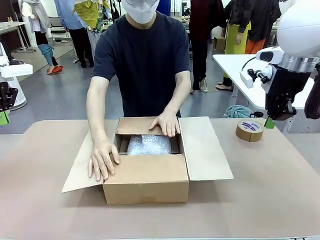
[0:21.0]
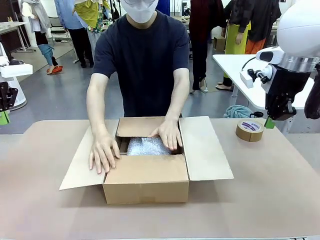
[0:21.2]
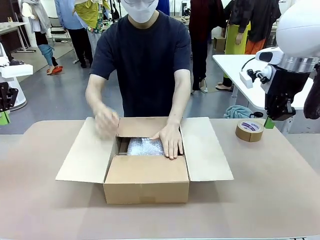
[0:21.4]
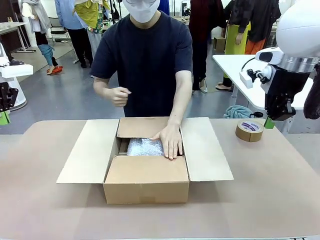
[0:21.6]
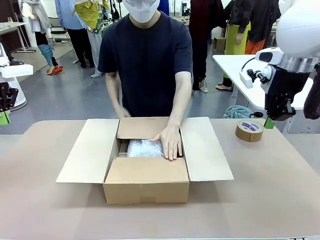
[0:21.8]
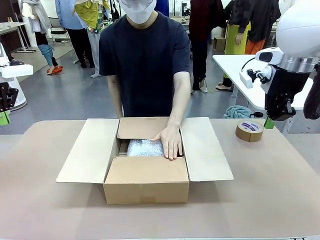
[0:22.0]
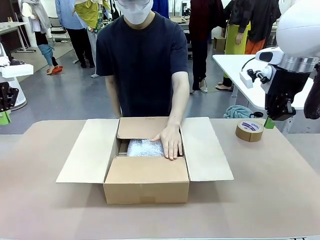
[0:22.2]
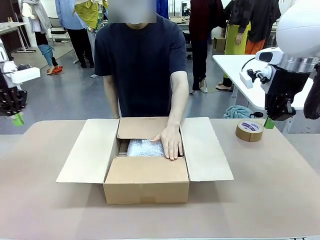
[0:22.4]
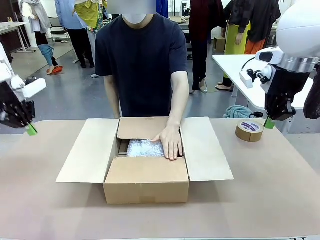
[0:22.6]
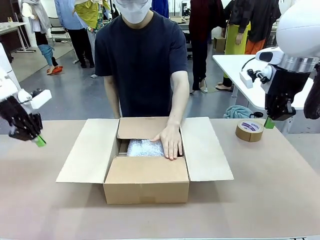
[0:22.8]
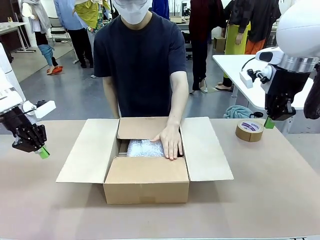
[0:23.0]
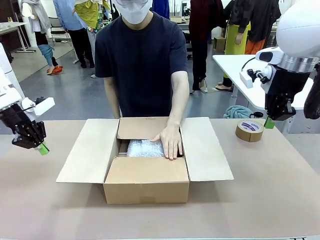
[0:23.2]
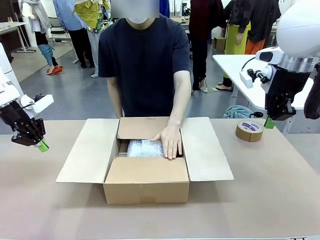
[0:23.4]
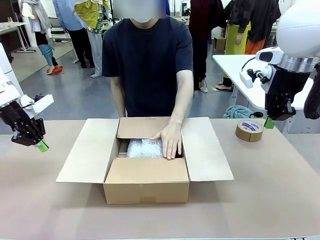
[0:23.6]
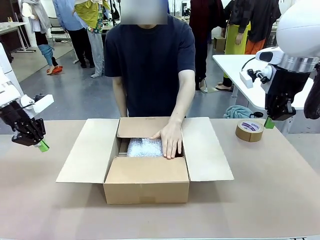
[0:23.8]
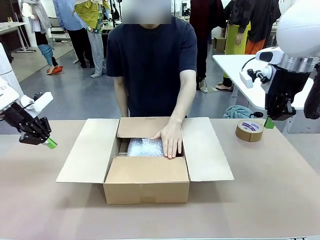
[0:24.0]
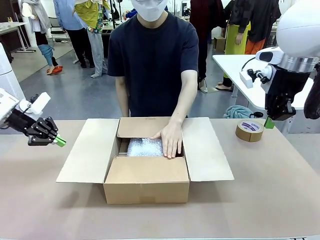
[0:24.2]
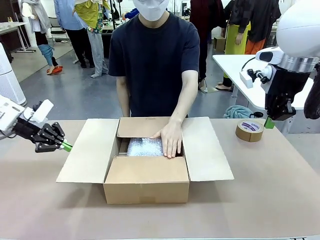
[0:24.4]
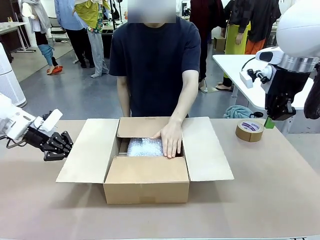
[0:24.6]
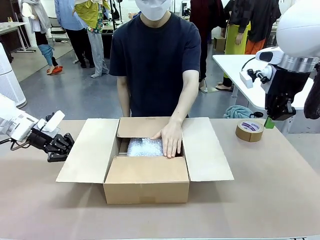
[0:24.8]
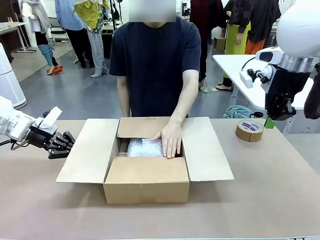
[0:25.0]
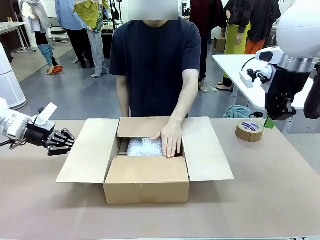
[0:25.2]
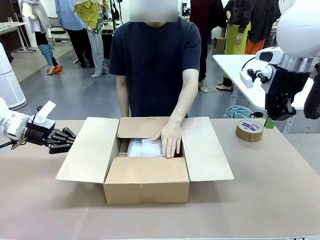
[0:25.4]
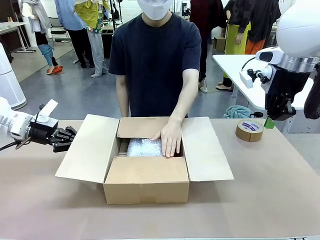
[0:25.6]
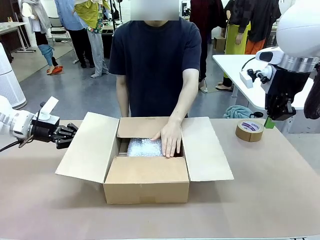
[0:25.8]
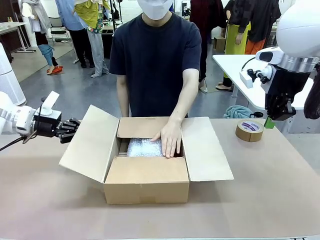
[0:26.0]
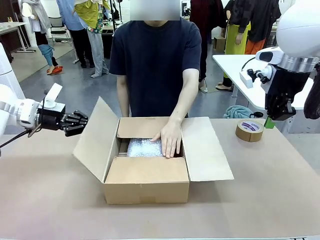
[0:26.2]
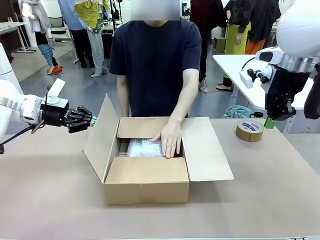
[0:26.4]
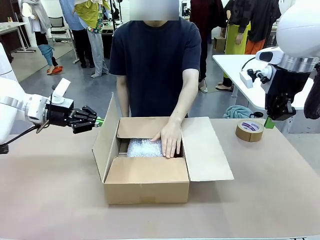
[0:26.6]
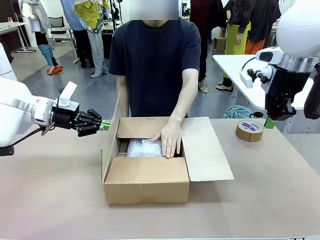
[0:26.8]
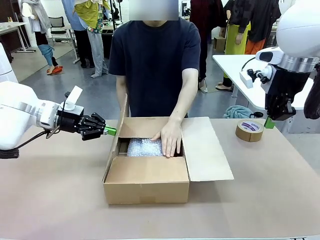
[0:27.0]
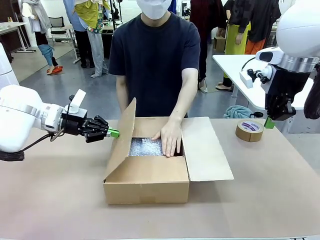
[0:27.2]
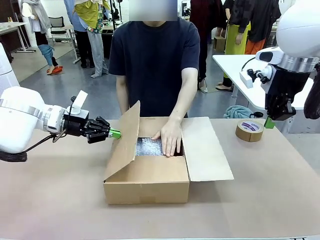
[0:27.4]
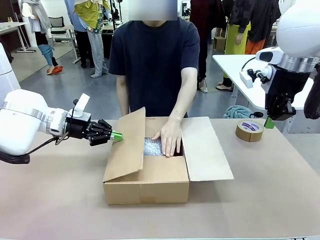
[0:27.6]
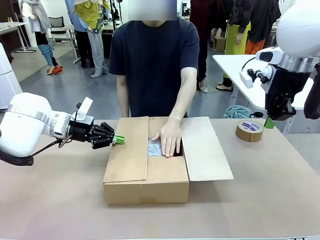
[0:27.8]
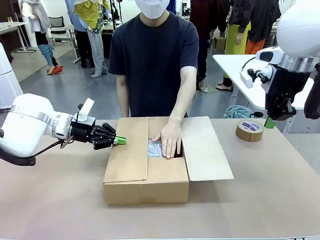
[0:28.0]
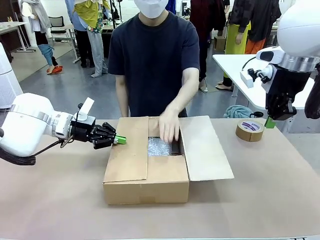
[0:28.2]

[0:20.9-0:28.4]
Task: Wrap the clocks to prevent damage.
Robot: Push the right (or left) flap of the Package Box to close it.
Person: Once the robot closes the right flap of the Package Box , release your left hand from the box.

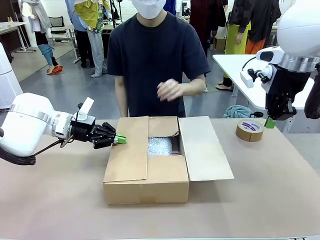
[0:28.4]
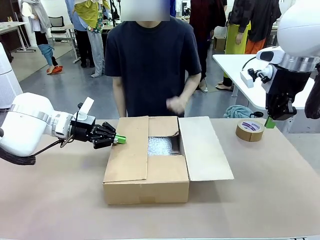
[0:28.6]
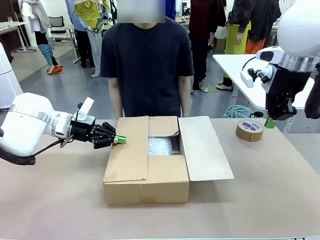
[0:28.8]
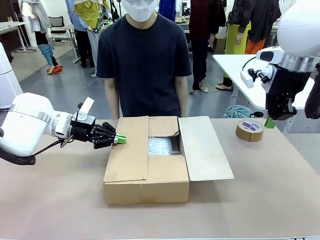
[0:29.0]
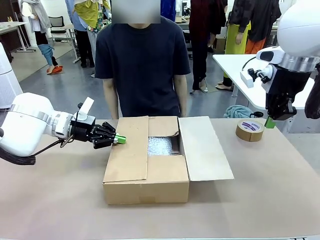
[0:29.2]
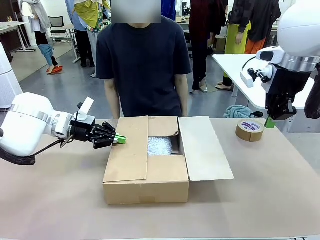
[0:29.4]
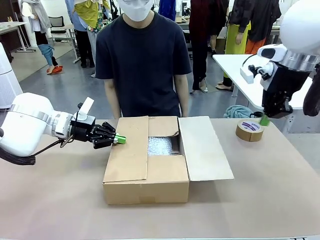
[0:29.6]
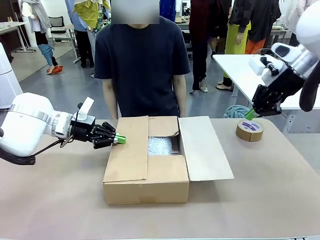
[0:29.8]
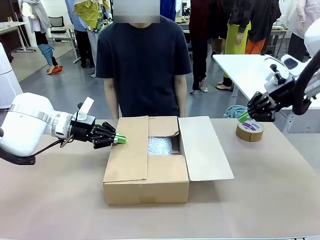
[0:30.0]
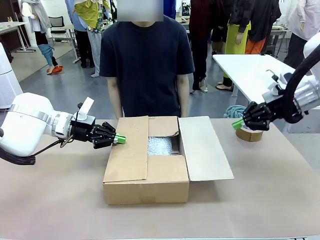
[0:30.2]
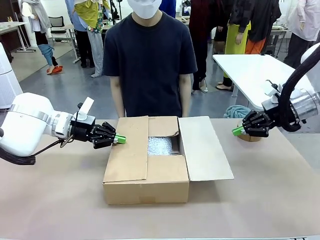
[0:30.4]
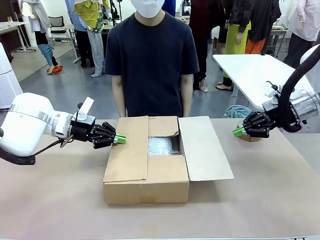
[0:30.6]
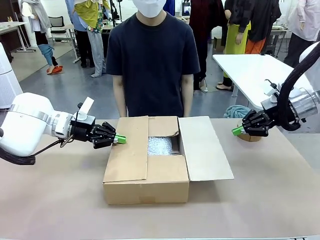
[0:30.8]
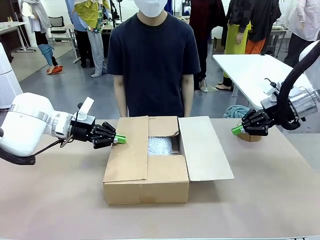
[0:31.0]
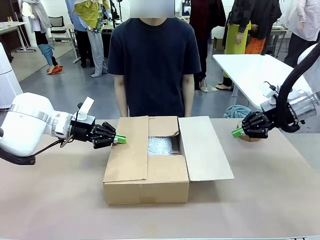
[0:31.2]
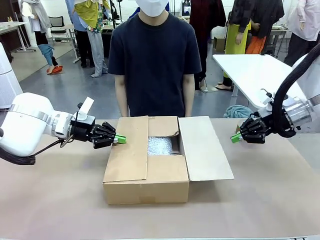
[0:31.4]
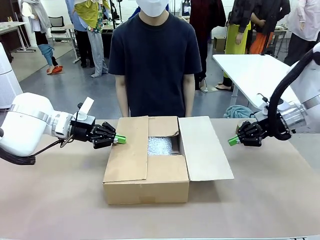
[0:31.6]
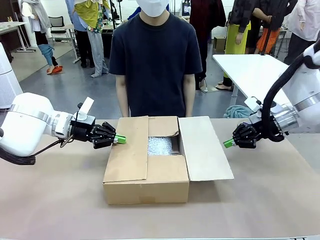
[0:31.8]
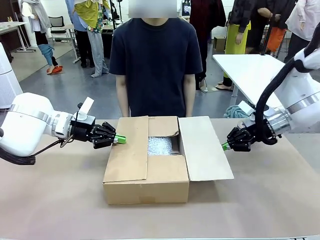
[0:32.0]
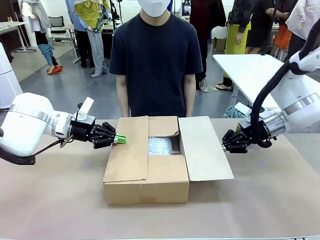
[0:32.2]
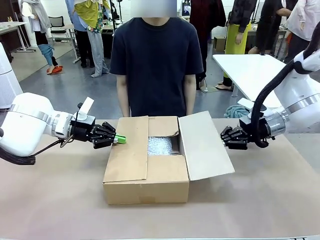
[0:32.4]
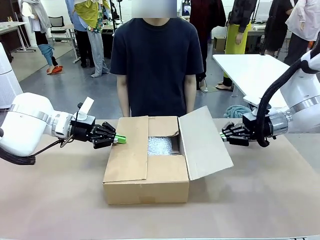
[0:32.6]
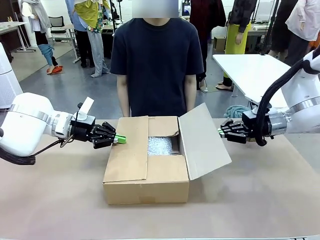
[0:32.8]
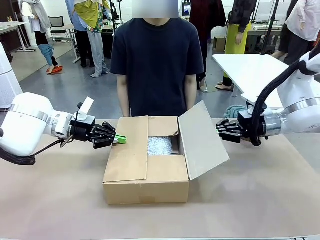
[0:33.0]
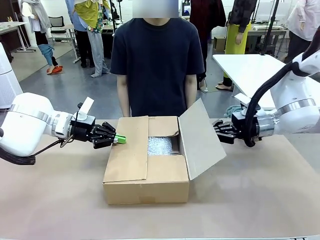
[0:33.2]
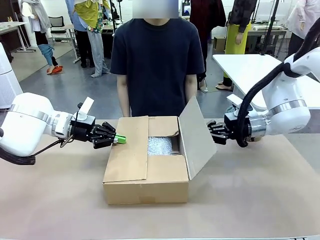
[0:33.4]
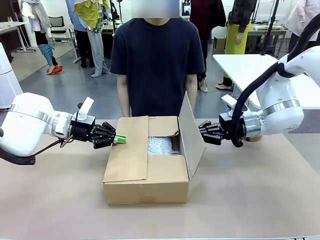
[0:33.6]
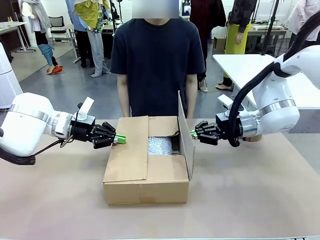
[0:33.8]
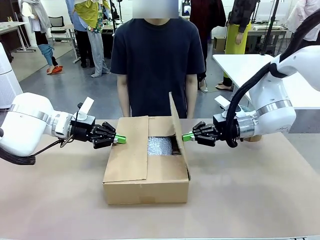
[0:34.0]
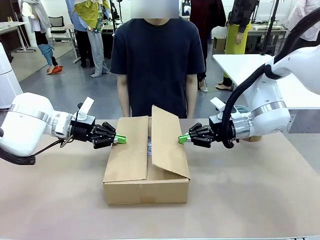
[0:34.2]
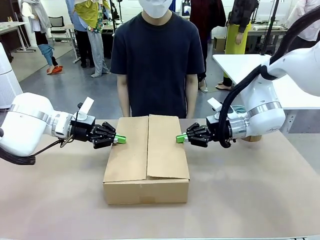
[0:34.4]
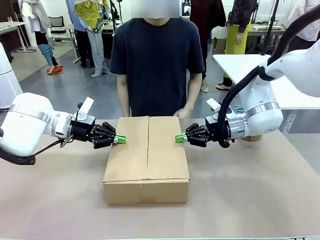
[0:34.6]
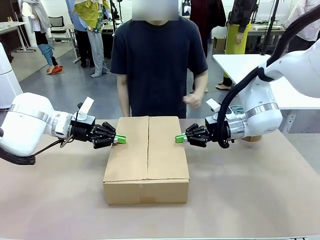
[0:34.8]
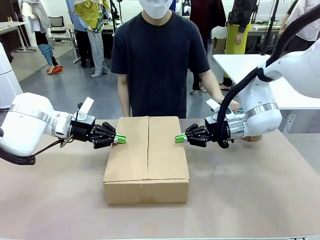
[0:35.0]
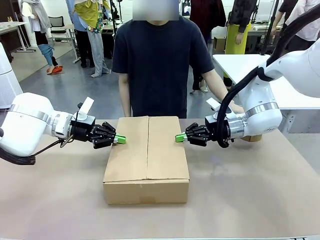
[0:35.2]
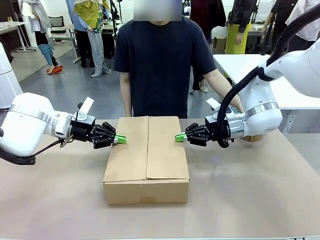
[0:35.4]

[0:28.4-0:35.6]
Robot: Push the left (or right) flap of the Package Box to close it.

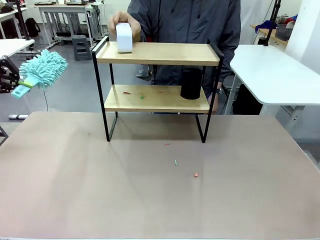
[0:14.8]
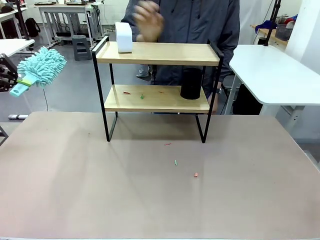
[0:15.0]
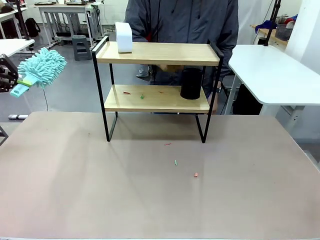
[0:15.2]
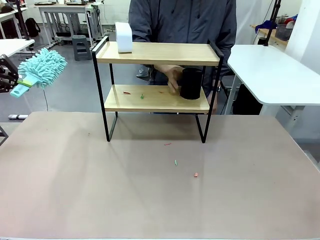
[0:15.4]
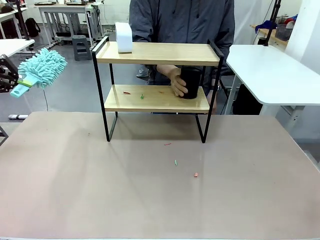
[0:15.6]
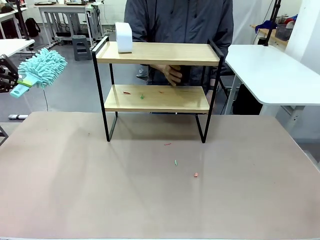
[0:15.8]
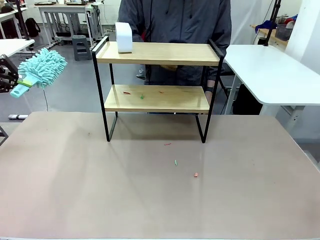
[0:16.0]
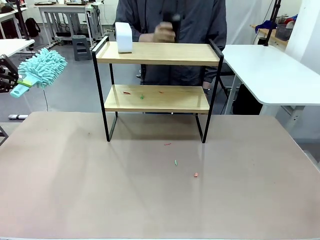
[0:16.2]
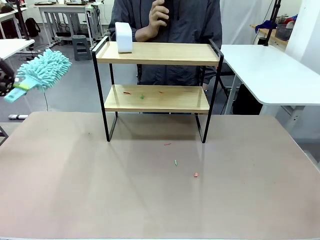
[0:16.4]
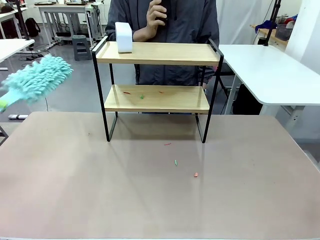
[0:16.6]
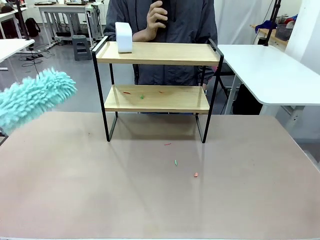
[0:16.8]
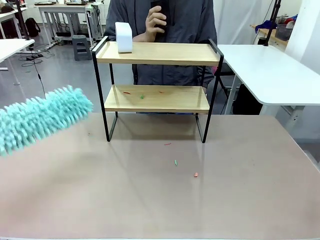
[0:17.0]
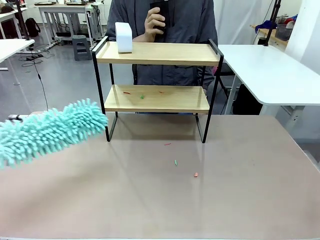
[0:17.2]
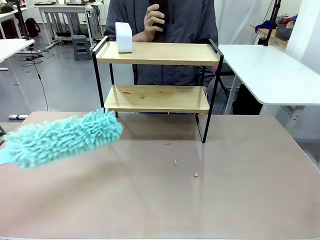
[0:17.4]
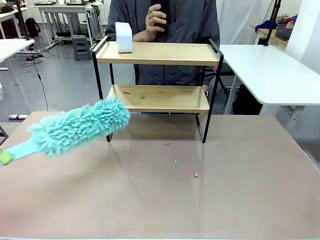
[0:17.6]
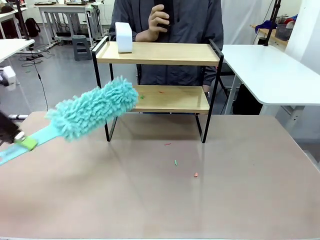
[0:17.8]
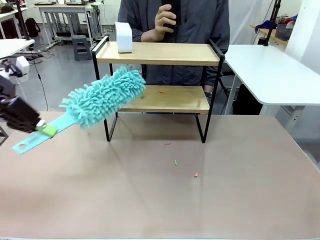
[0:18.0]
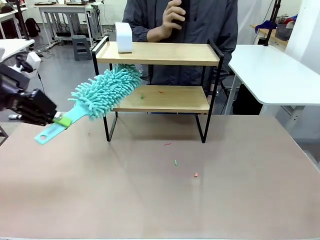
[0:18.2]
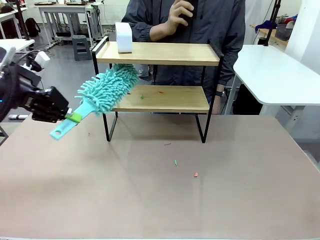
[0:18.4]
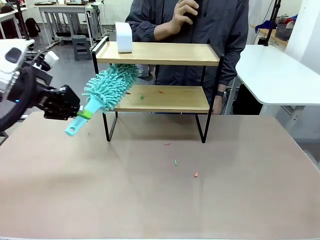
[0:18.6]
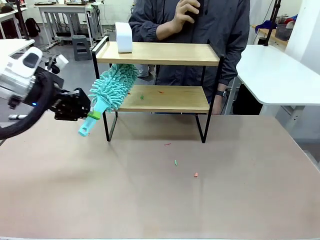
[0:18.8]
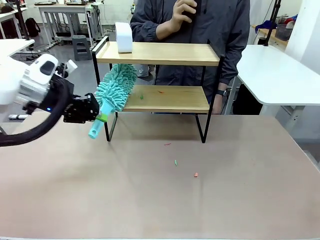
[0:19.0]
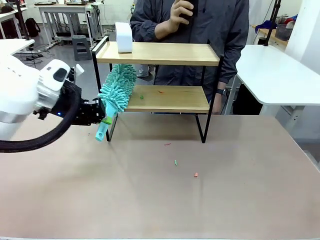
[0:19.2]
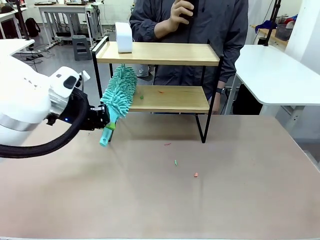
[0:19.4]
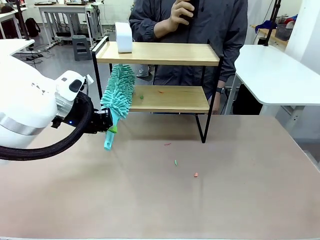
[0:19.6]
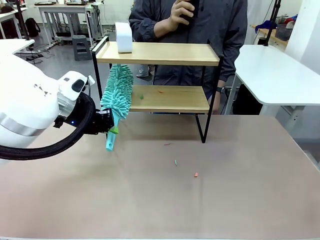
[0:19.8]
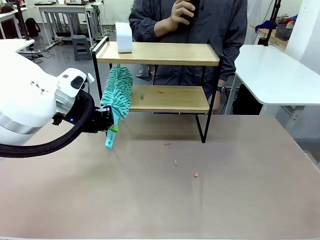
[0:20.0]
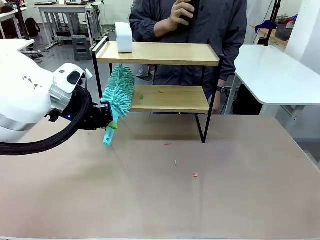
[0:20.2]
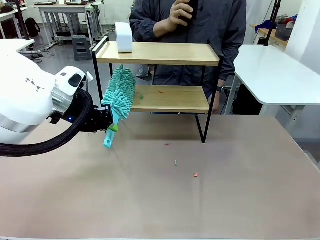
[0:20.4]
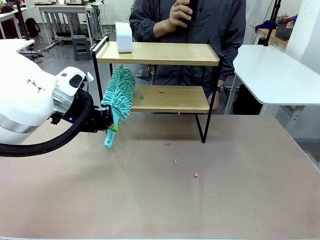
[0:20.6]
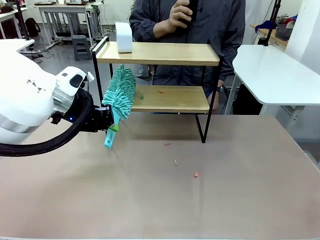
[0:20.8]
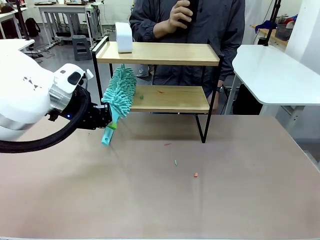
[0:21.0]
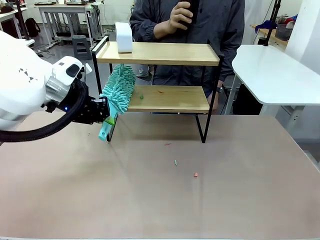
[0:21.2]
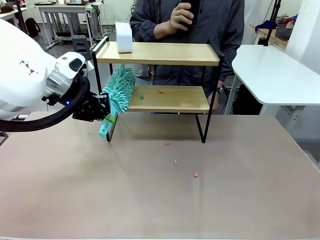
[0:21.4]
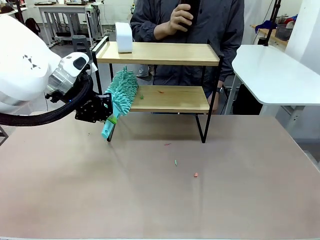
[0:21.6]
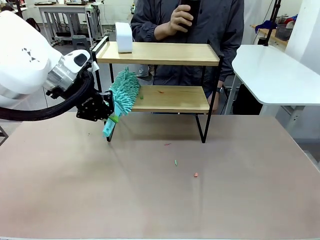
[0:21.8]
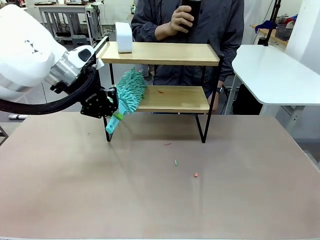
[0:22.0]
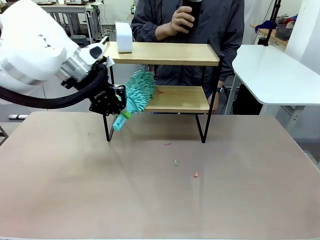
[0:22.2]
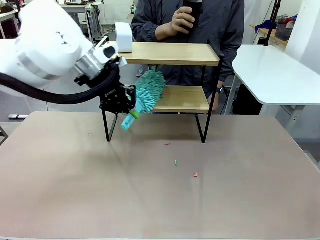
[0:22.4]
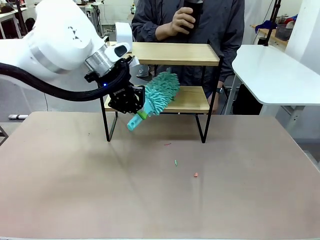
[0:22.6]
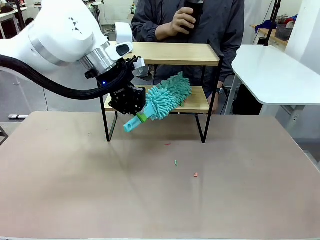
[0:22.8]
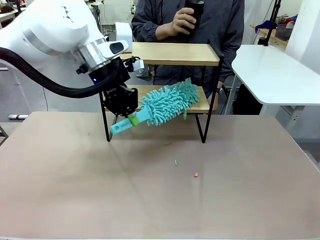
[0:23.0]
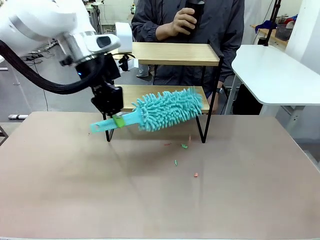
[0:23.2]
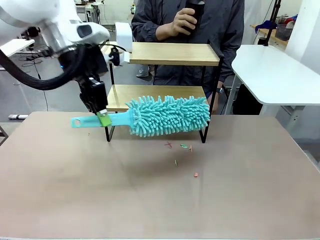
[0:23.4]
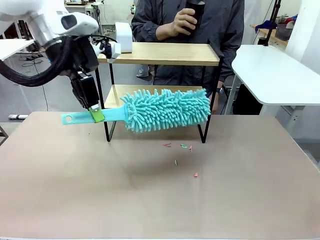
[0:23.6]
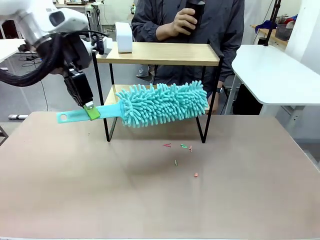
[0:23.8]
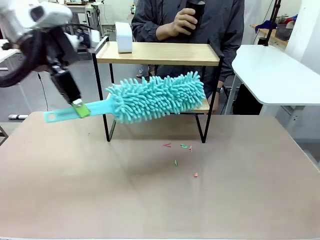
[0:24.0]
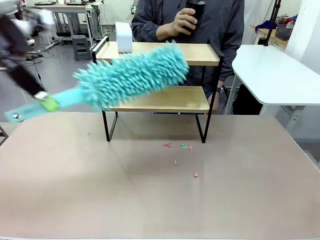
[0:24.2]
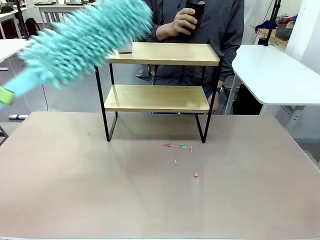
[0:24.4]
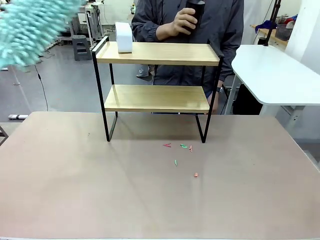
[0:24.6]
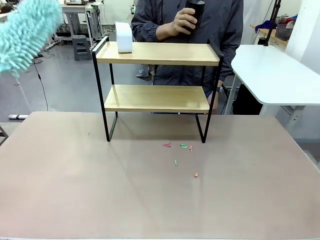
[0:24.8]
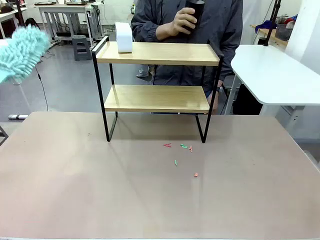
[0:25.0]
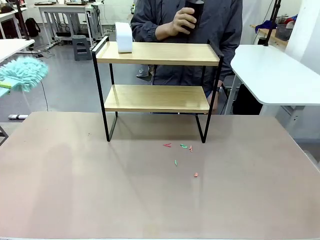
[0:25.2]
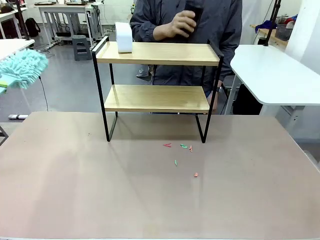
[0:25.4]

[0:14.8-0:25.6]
Task: Clean the shelf.
Robot: Clean the remaining tier of the Shelf with the Duster once objects are removed.
